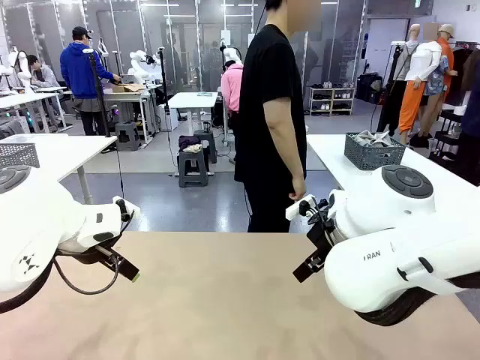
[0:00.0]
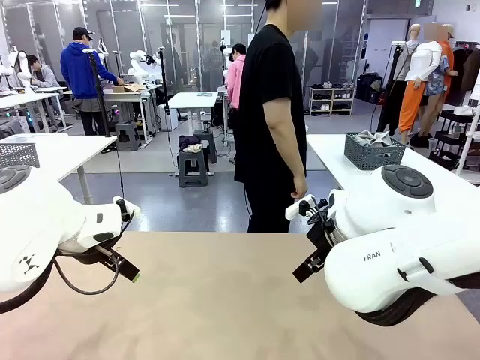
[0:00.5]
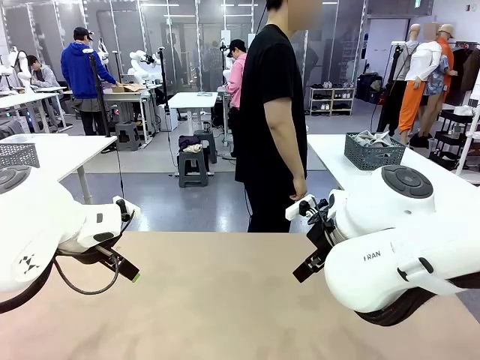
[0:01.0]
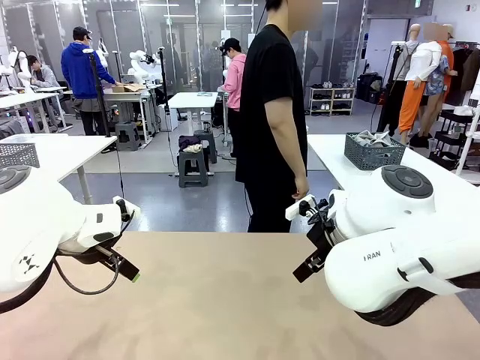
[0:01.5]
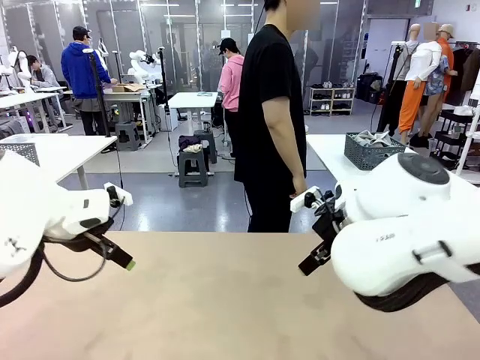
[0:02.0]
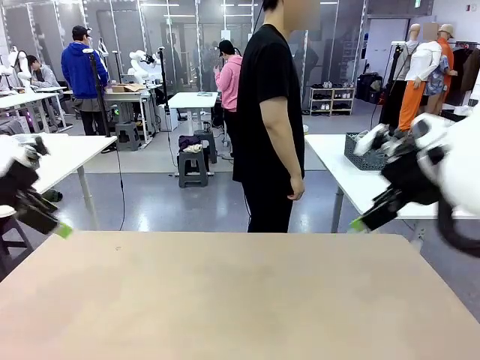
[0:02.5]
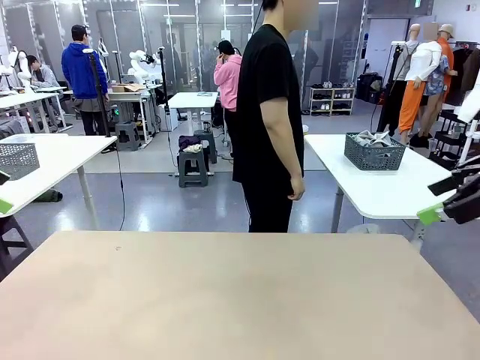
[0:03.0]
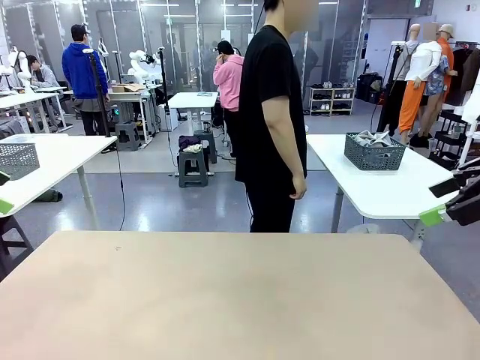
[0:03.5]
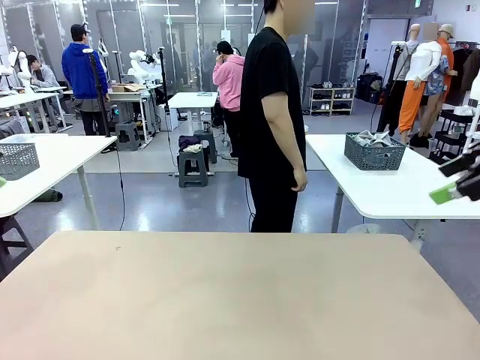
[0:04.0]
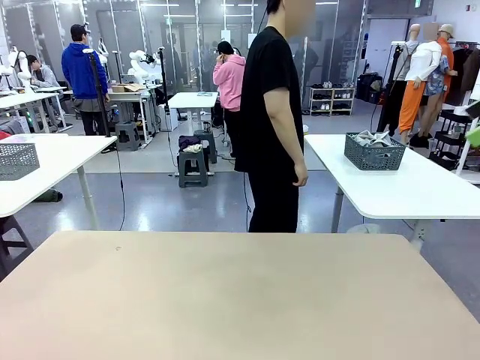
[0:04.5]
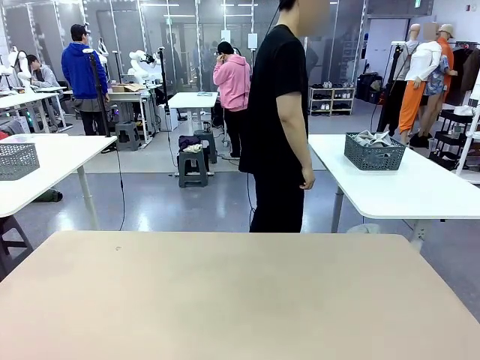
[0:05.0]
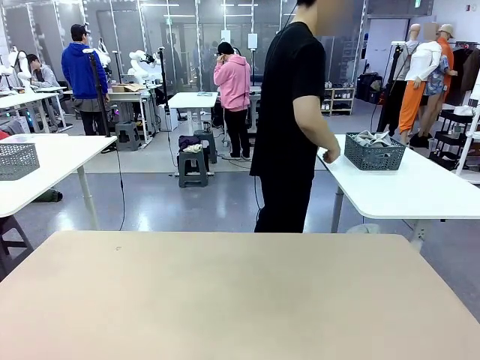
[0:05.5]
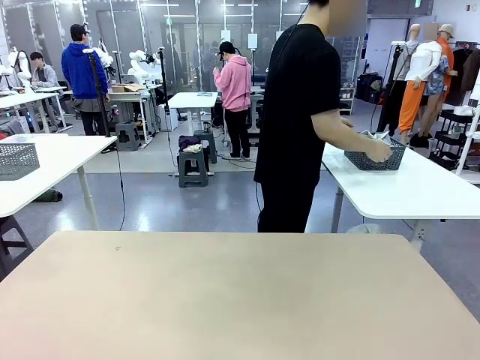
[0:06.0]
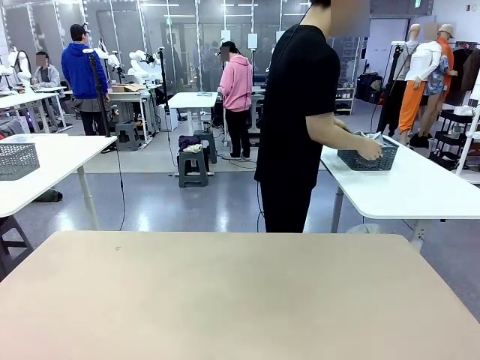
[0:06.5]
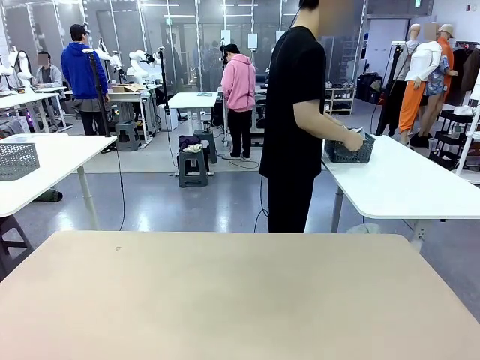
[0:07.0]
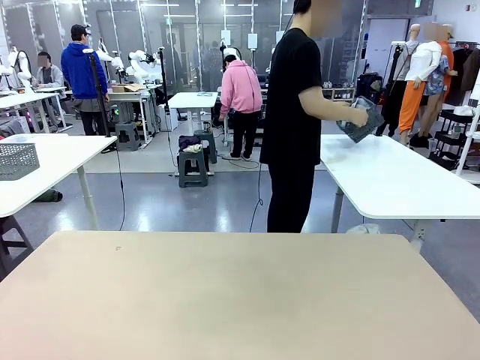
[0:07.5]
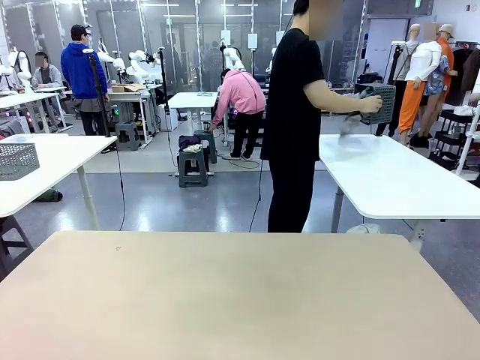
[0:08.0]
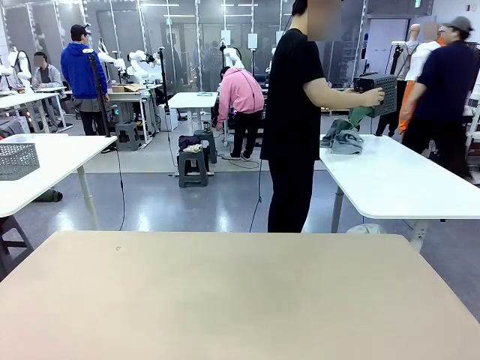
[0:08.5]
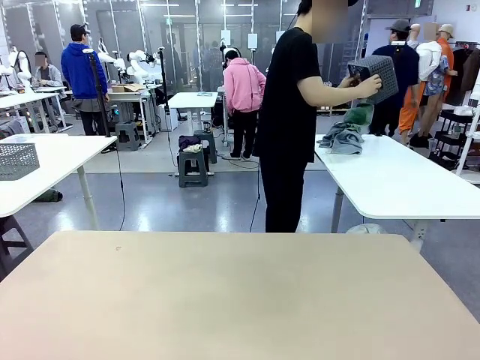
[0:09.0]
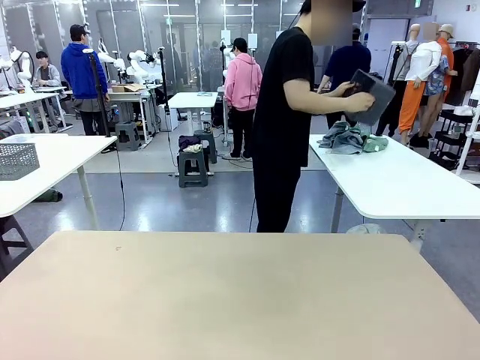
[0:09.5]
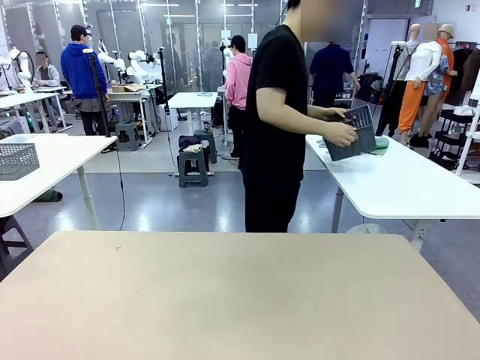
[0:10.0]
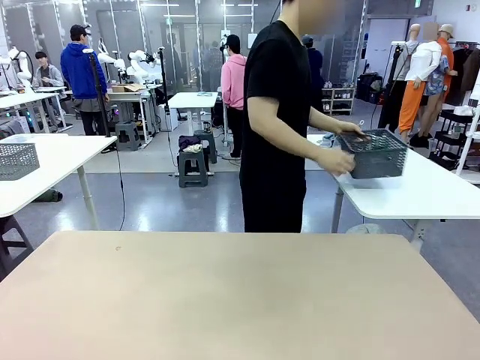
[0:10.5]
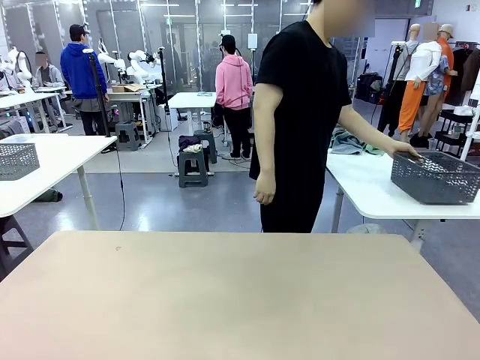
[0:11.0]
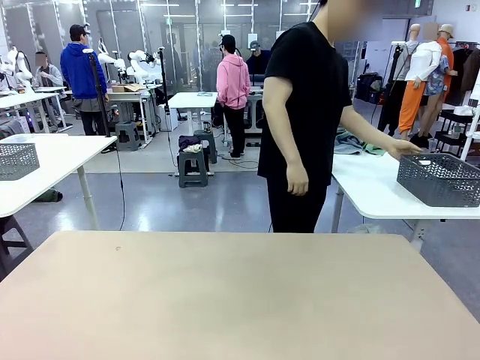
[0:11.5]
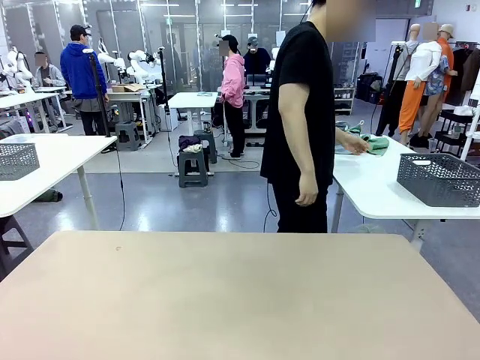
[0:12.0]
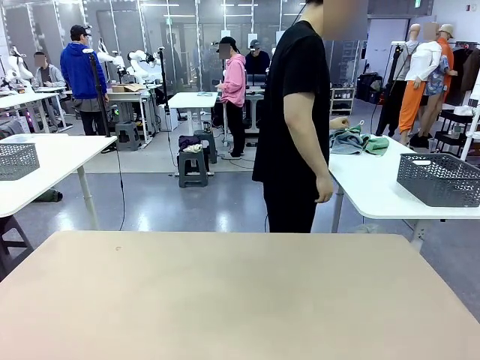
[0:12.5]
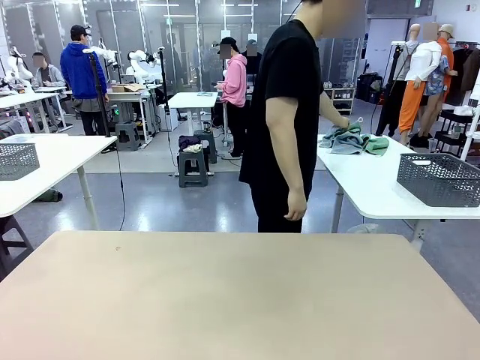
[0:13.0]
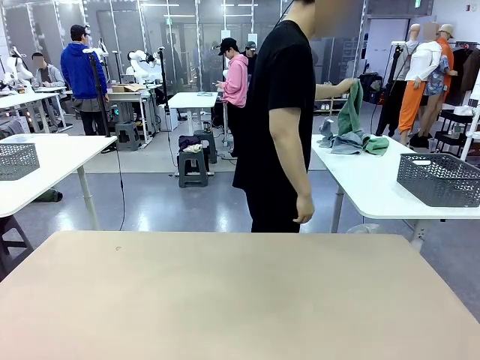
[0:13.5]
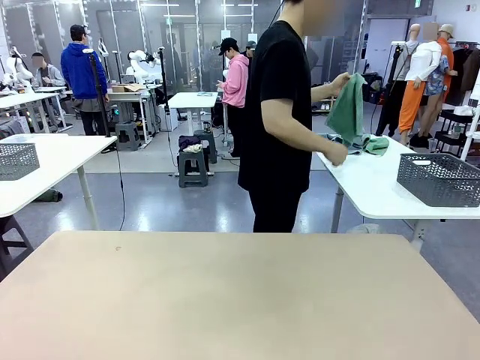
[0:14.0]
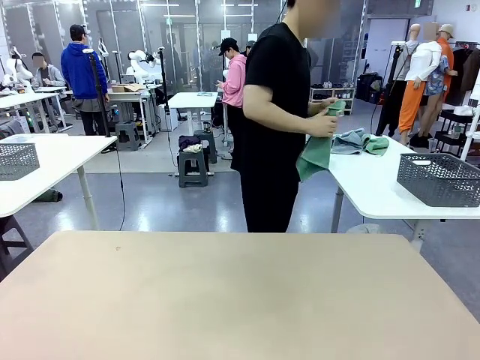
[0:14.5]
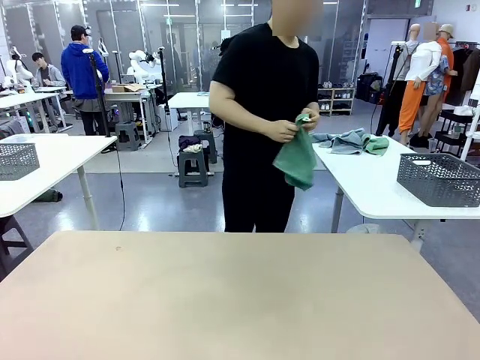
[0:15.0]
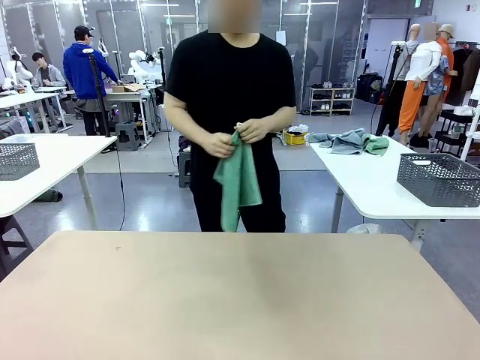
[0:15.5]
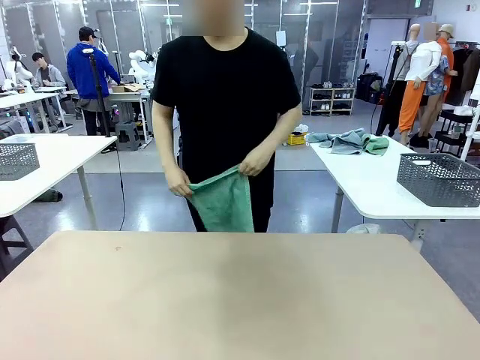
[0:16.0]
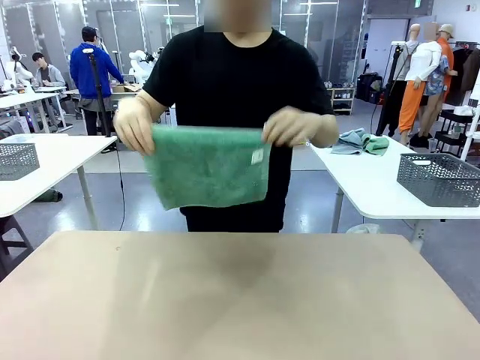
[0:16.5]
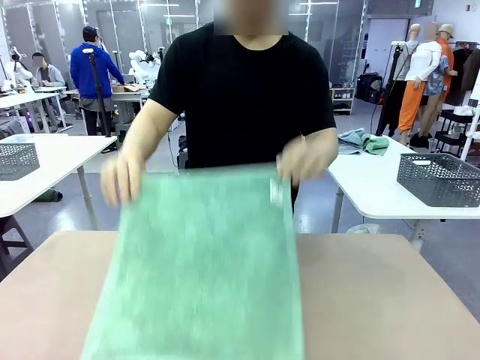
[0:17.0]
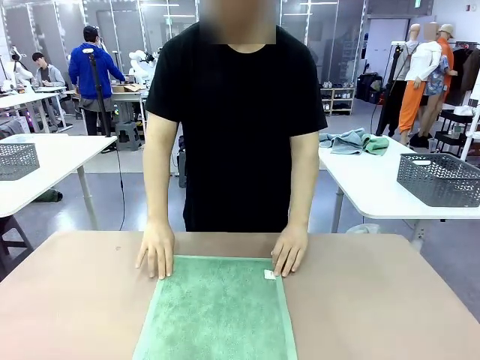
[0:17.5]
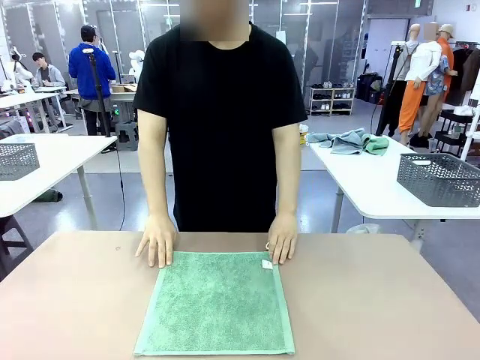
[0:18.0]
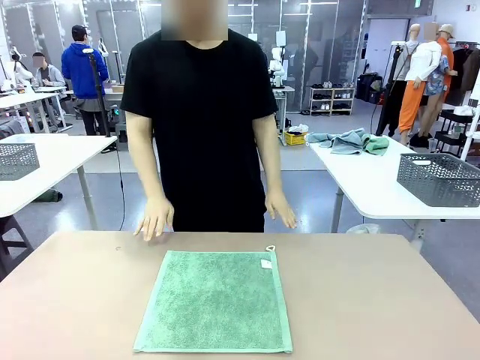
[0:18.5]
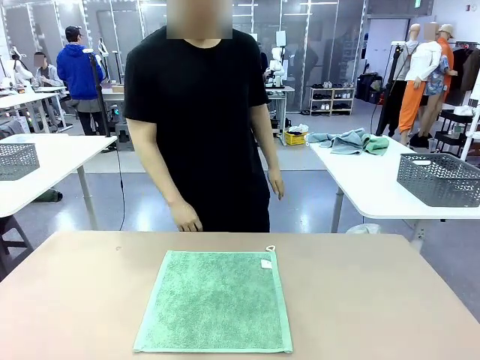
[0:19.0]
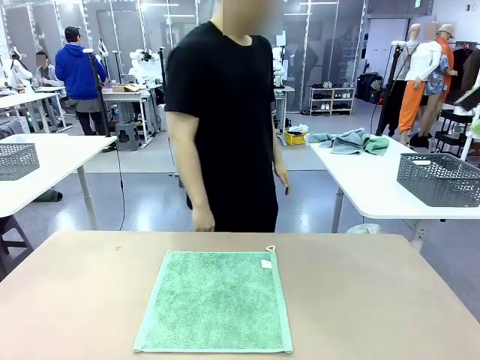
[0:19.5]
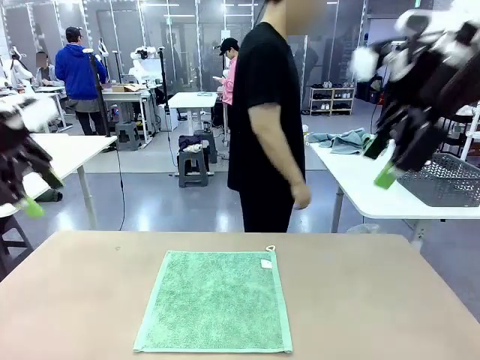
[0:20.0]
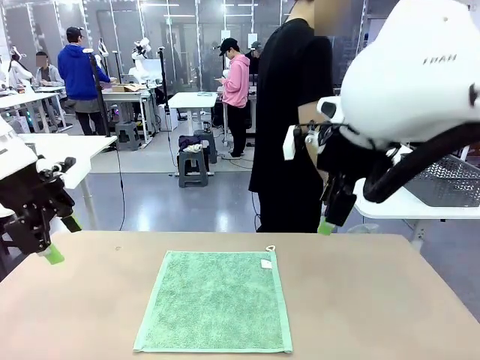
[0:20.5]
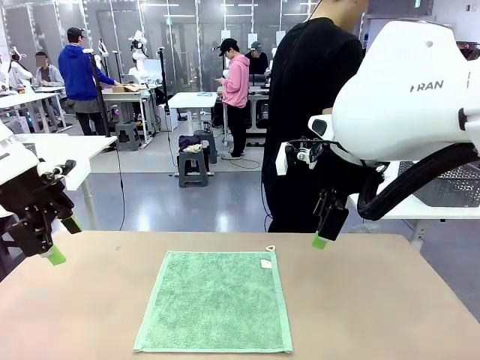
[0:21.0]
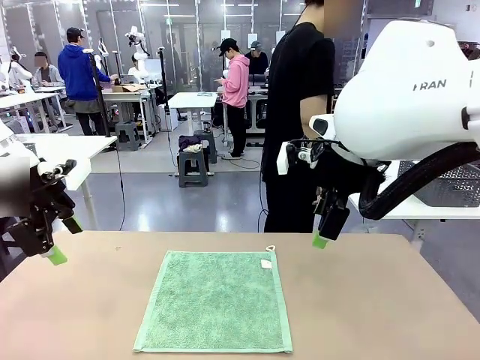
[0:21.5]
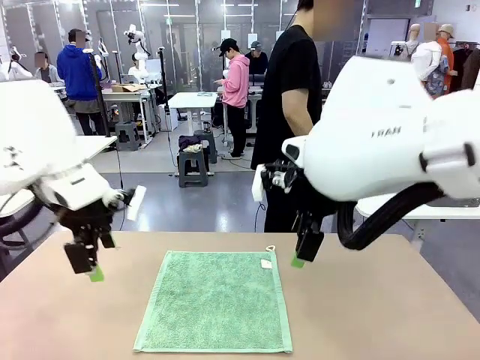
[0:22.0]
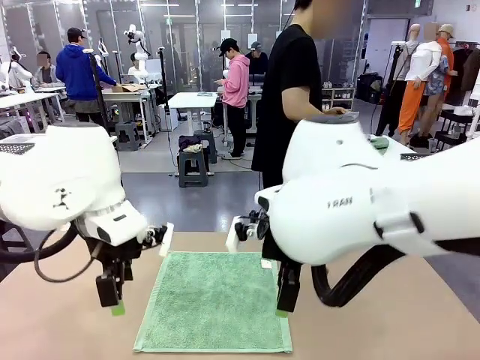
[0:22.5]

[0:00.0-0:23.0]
Task: Fold the towels and place them in the basket.
Robot: When a person lays out a Towel with hook on the table, fold it in half twice.
Person: Pick up the basket, pour the towels onto the left side of the human table, and place the basket on the right side. Pick up one towel and spread it out at the center of the robot table.
